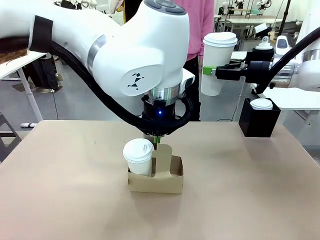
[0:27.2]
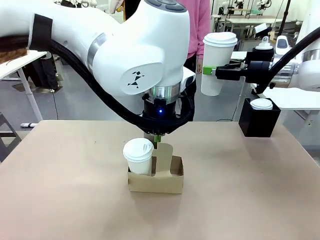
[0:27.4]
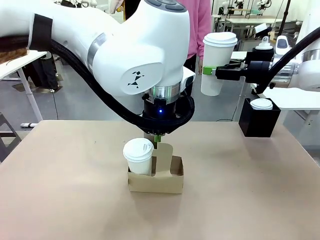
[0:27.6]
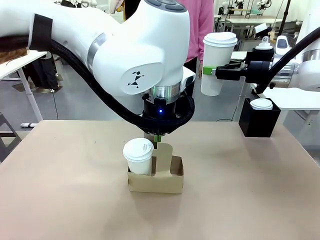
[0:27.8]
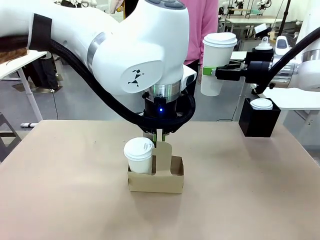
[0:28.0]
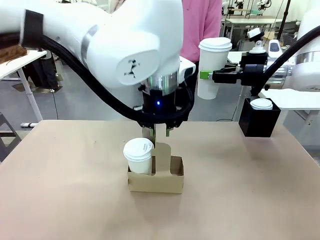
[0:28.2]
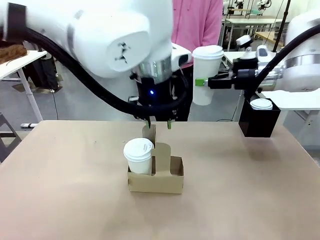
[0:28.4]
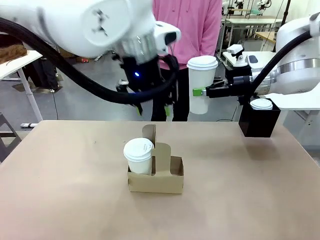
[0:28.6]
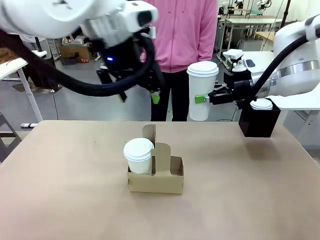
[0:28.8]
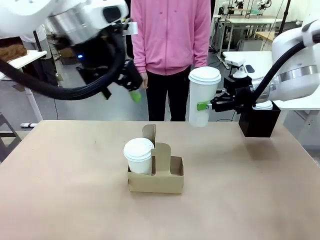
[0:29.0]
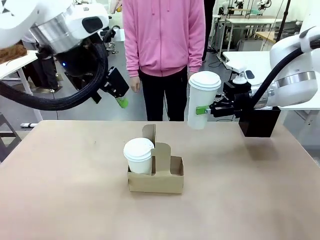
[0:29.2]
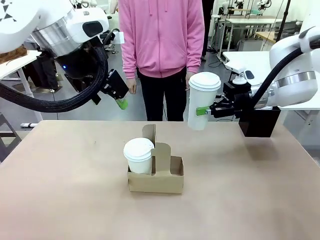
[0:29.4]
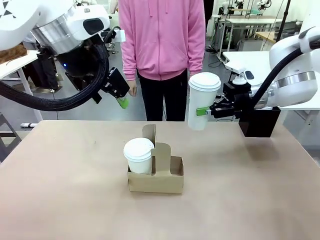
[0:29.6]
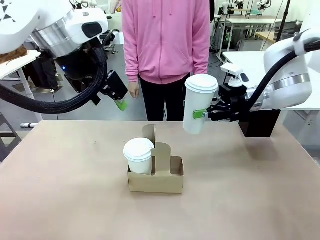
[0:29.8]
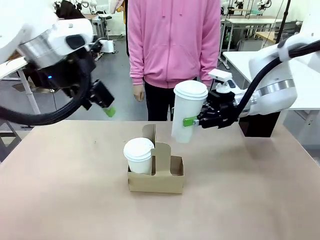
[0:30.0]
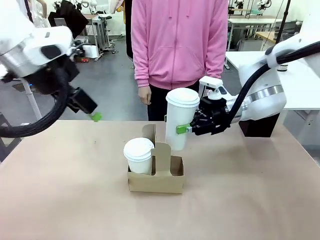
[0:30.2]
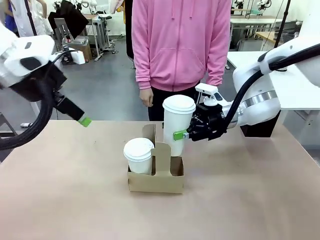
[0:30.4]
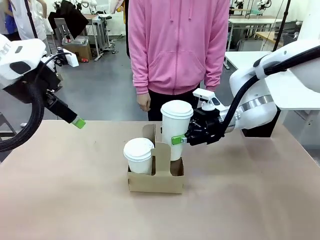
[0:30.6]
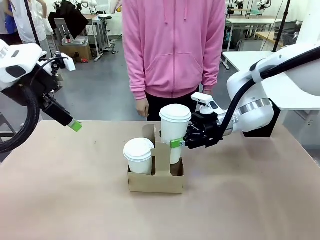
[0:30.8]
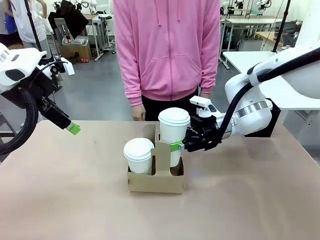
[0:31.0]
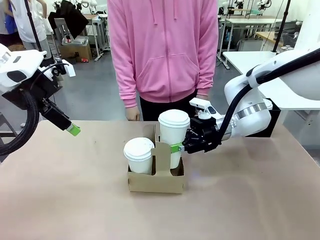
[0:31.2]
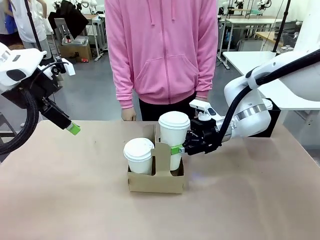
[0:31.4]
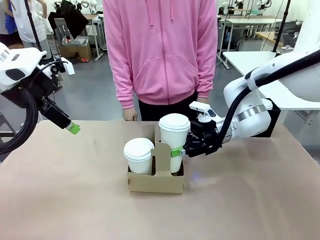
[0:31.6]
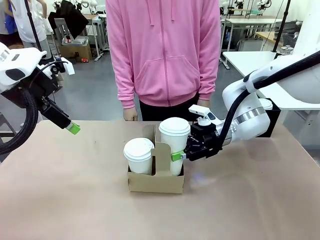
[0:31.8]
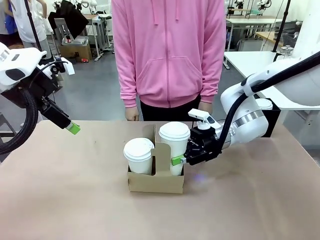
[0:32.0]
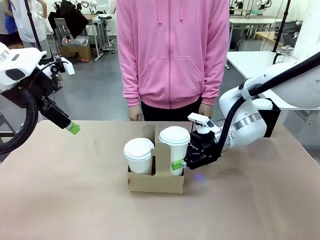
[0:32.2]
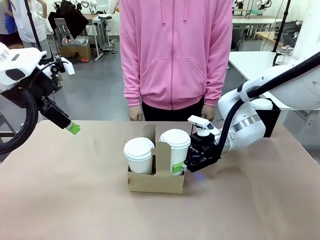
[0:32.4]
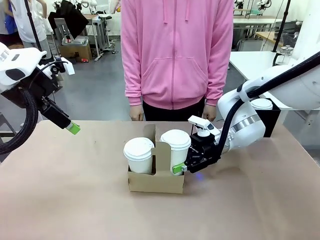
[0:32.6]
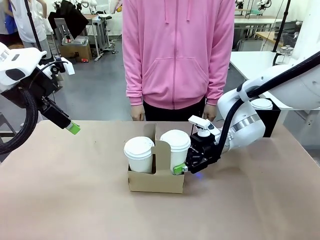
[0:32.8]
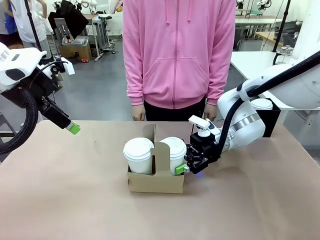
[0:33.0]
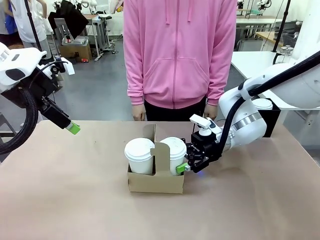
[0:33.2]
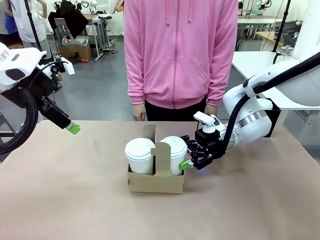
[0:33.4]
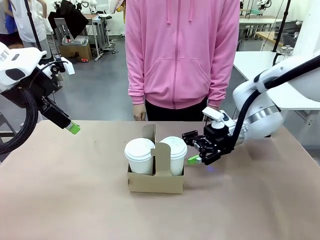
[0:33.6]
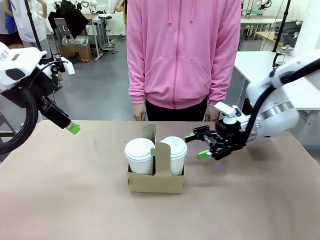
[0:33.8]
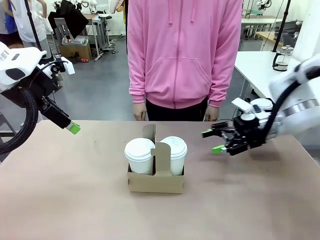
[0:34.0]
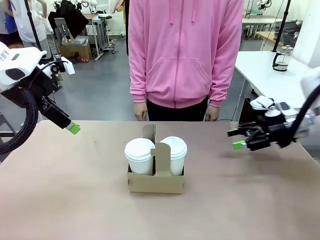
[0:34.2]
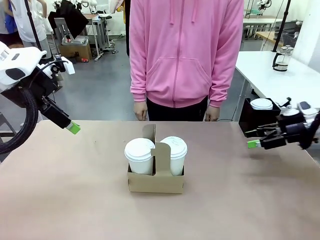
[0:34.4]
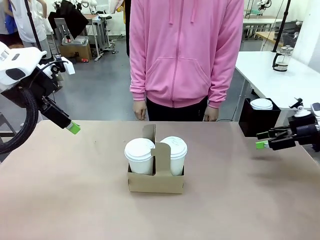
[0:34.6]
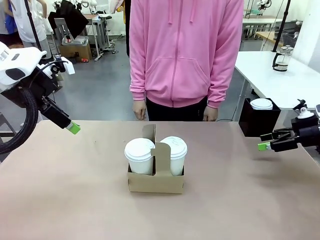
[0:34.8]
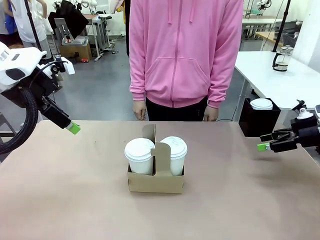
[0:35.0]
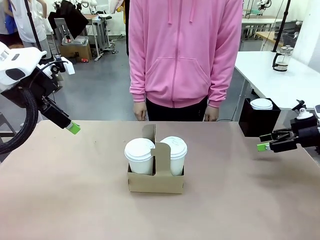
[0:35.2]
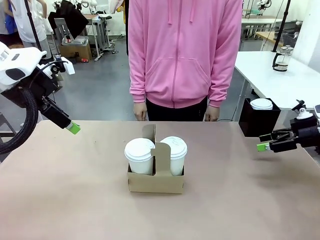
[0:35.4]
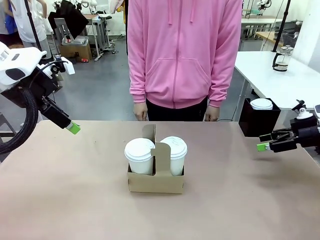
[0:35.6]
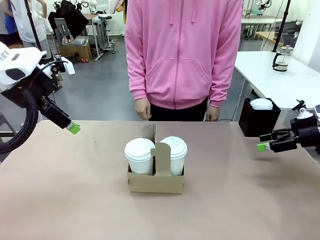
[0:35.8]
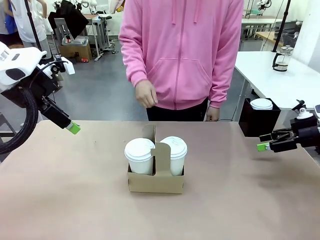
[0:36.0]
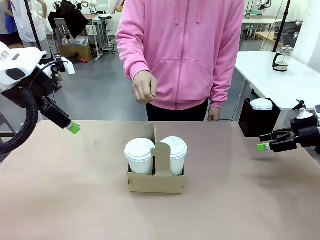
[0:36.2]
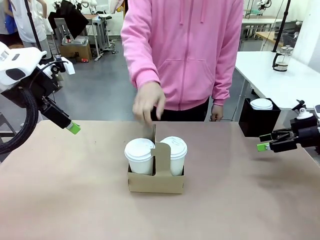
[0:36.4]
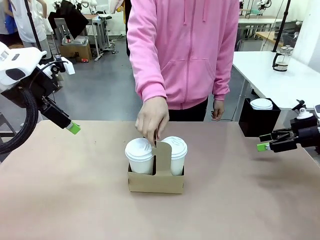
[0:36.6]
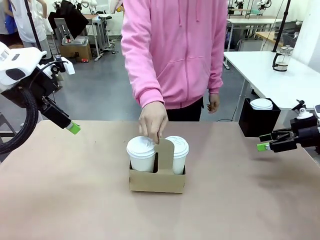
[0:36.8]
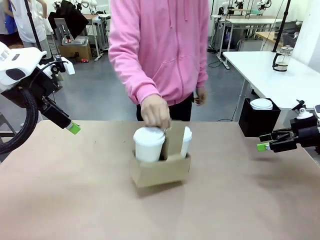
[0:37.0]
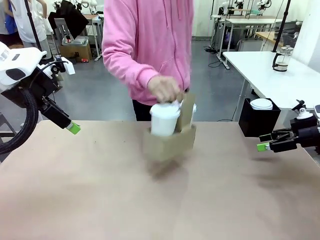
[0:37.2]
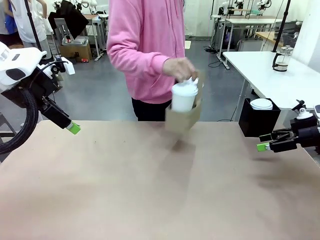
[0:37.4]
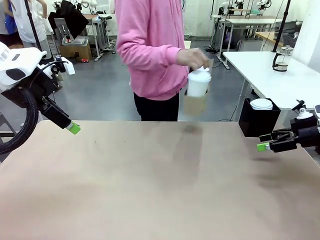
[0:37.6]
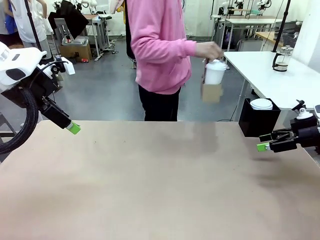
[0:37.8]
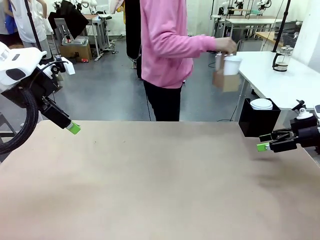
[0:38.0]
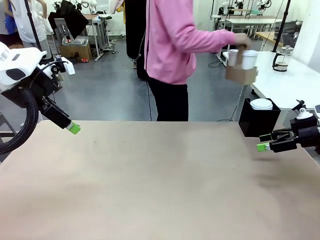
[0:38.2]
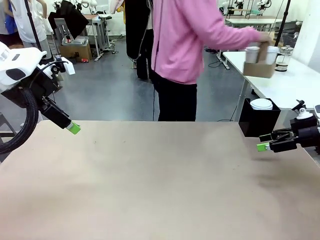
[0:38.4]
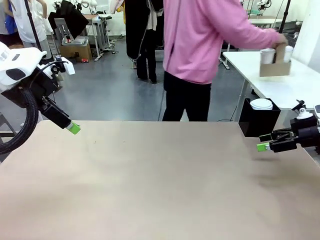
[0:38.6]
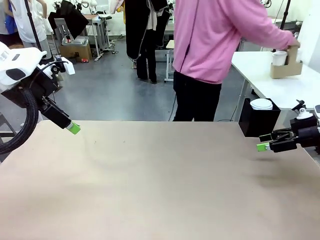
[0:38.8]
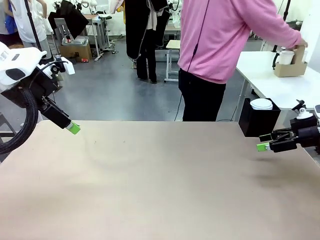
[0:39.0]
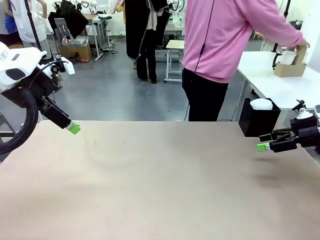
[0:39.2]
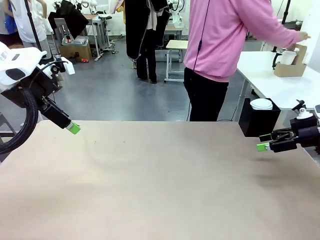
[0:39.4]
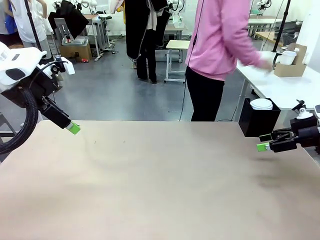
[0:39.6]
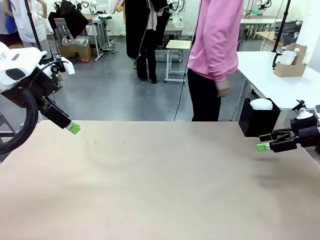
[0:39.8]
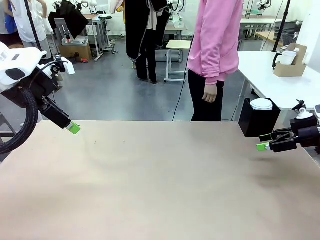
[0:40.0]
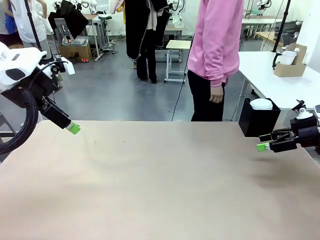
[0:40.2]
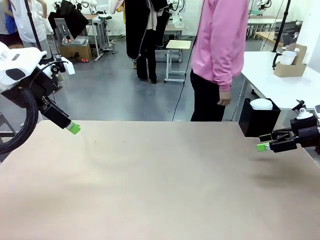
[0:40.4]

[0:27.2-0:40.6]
Task: Pour a drink into a cup and package it in a carrier.
Robot: Insert the held 600 ml Paper Cup into the Cup Carrier.
Person: Place the Cup Carrier to the middle of Human table.
